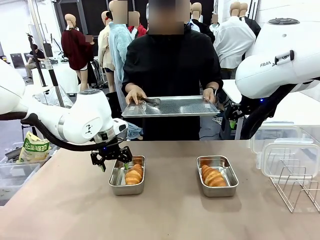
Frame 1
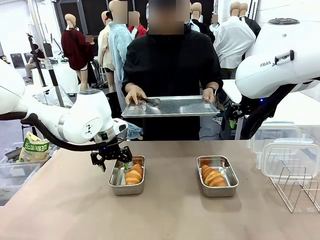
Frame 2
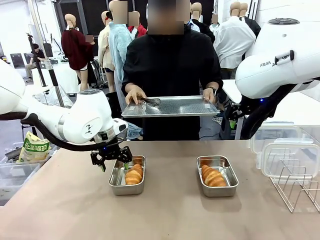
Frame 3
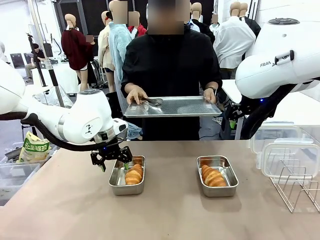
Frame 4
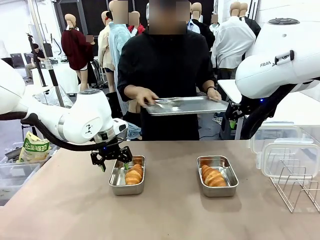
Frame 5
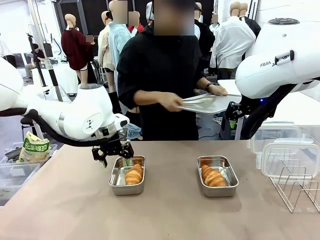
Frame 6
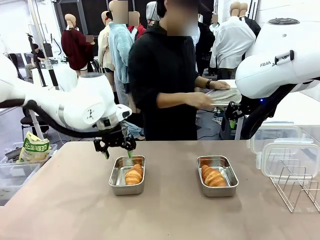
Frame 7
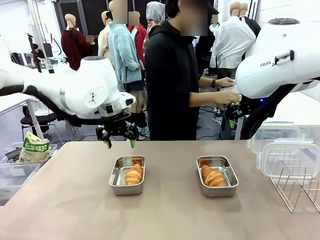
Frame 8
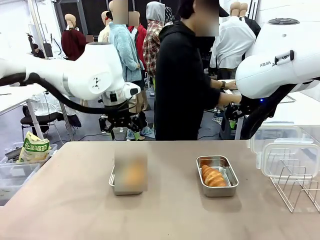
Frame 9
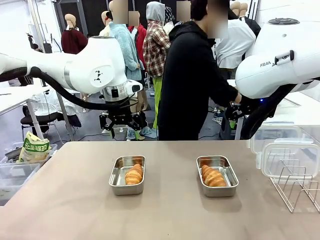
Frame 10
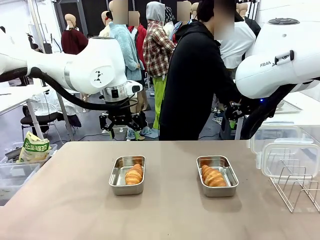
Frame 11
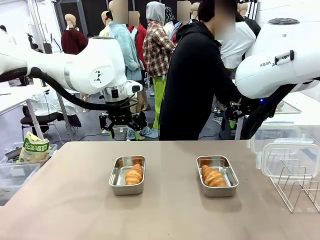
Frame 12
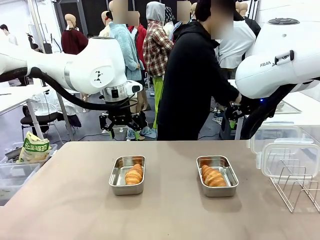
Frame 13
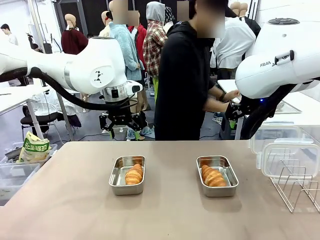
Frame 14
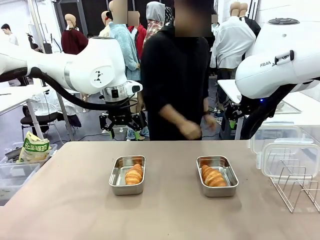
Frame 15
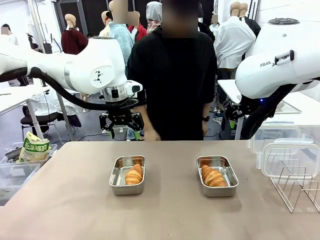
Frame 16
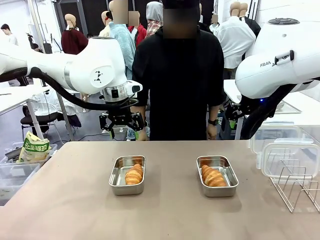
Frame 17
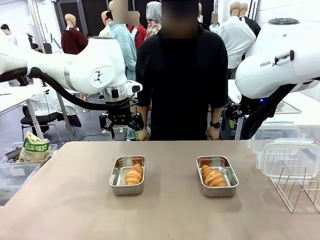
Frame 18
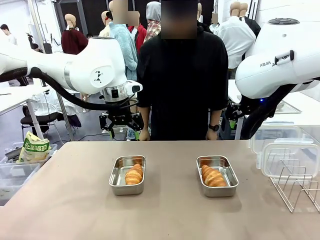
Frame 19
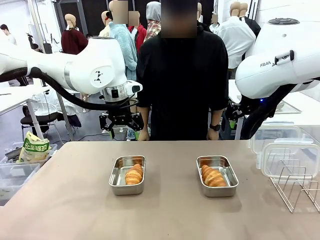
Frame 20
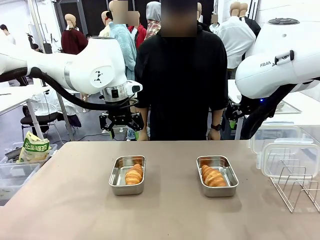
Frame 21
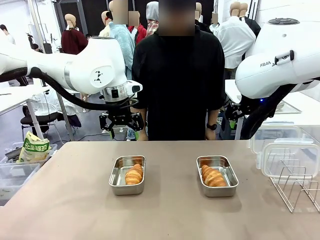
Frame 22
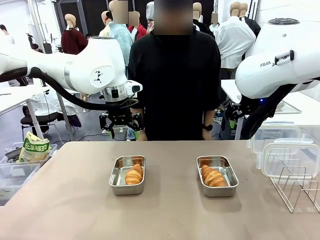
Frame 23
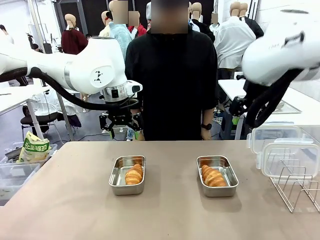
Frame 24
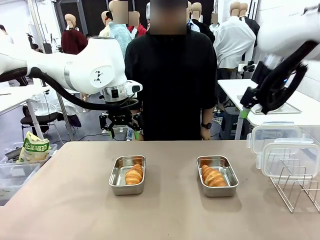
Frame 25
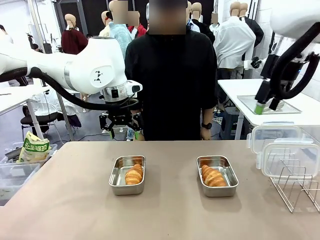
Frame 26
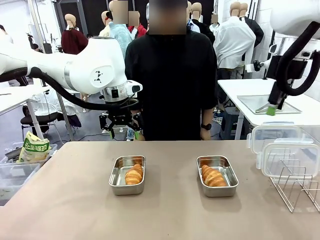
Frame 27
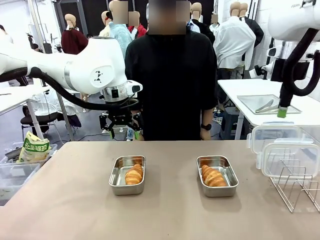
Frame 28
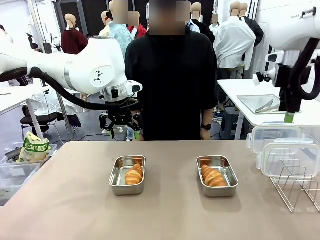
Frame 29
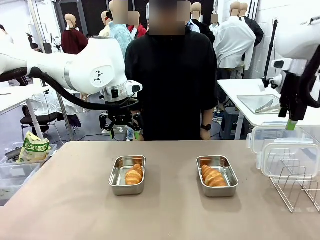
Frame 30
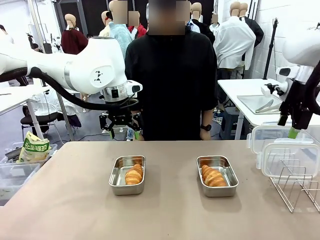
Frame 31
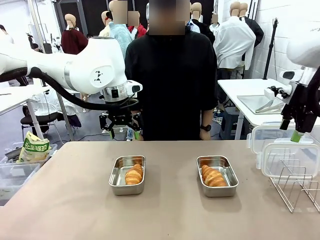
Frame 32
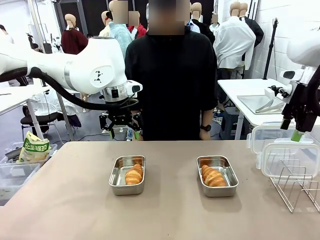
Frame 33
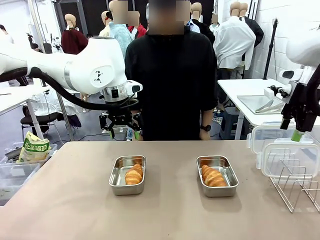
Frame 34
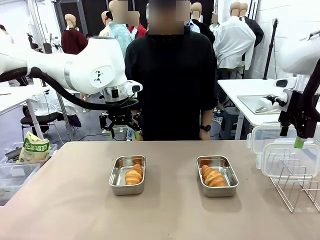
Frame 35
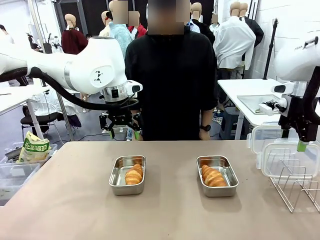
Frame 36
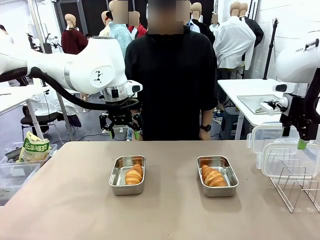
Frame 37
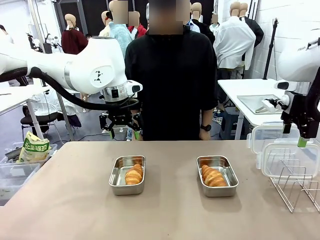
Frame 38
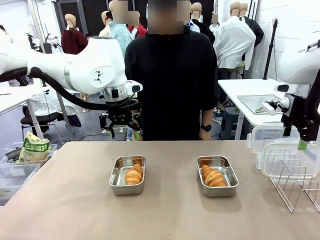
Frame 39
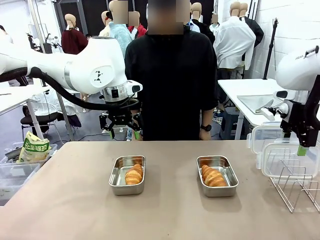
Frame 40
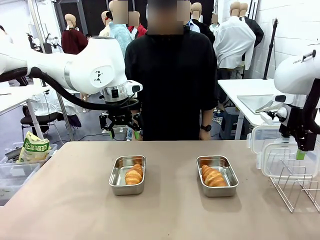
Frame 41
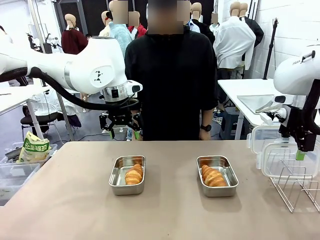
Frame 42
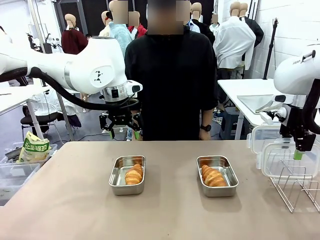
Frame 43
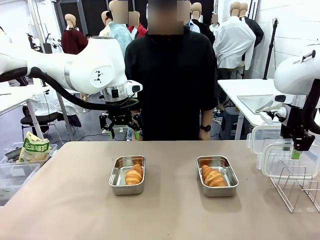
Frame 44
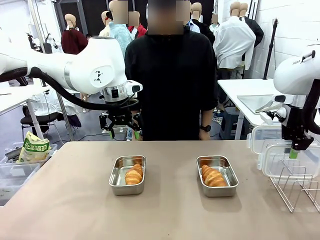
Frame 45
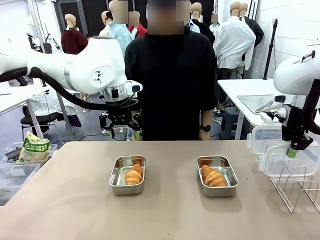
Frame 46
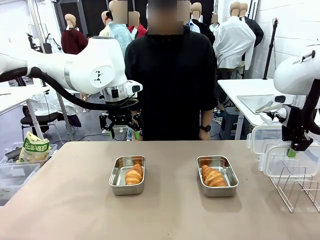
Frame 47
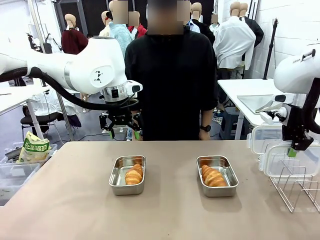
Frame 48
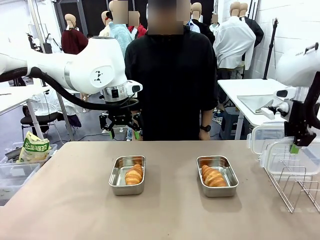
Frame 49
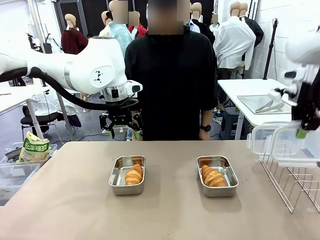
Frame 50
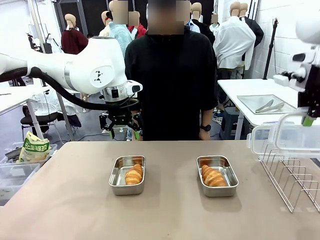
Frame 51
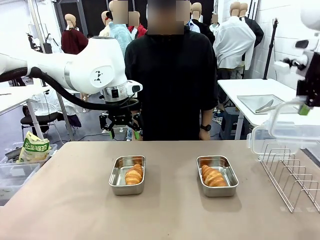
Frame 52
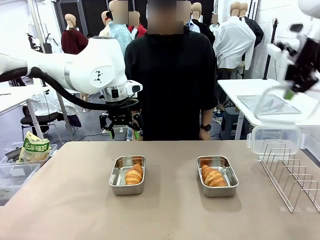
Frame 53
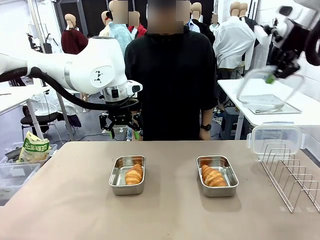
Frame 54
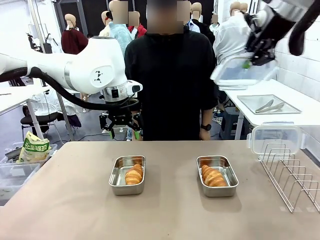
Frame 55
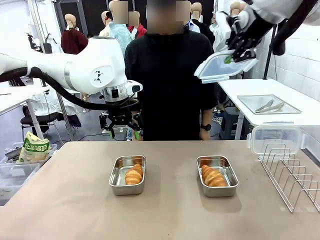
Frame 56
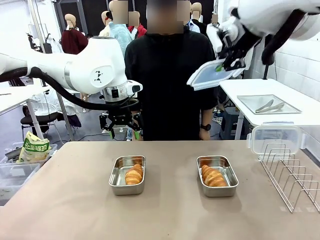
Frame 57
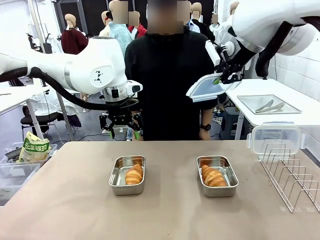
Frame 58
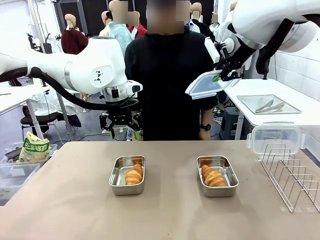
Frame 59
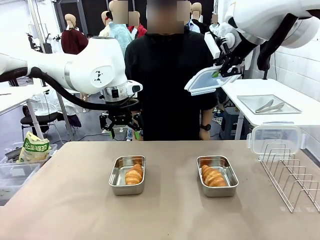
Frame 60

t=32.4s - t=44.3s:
Task: Place the bread in airtight containers.
Robot: Pick up one Airtight Container lid and hand it to the human.
Person: Grip Airtight Container lid that robot is handing.

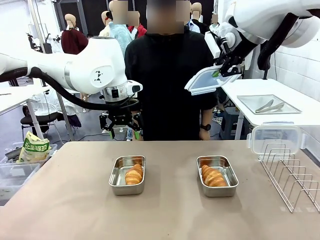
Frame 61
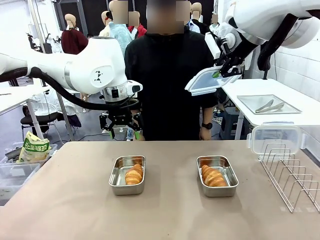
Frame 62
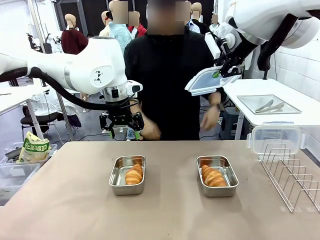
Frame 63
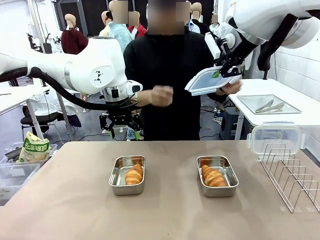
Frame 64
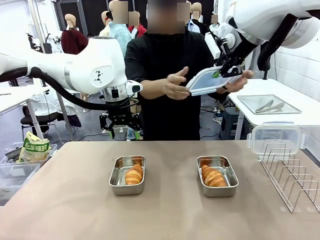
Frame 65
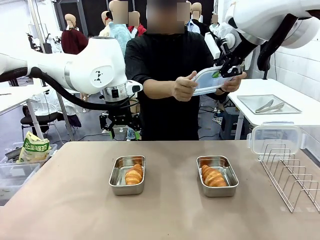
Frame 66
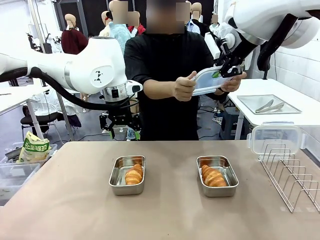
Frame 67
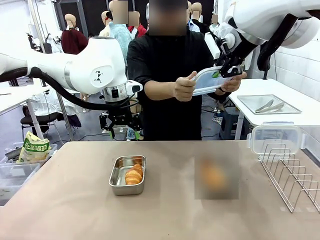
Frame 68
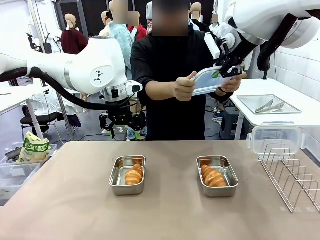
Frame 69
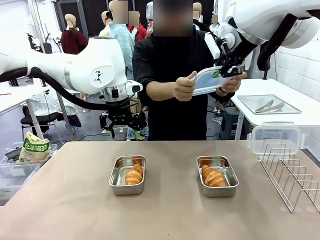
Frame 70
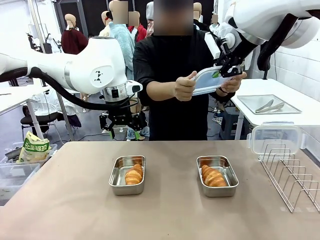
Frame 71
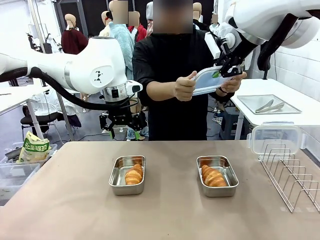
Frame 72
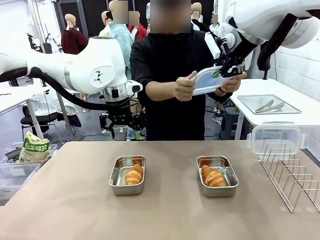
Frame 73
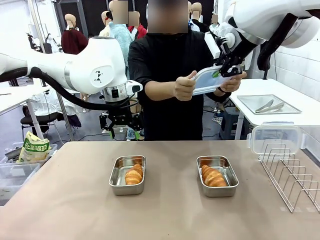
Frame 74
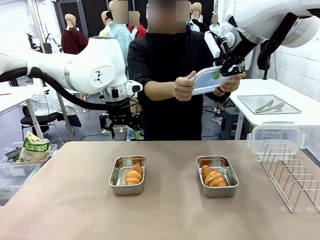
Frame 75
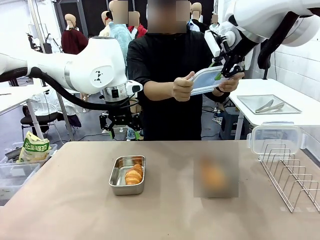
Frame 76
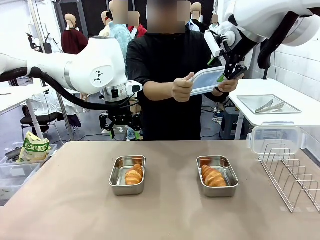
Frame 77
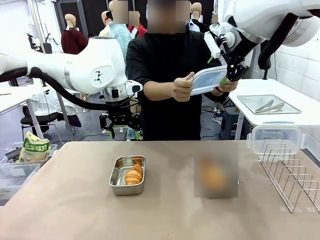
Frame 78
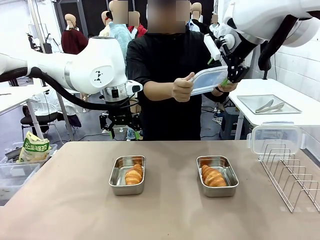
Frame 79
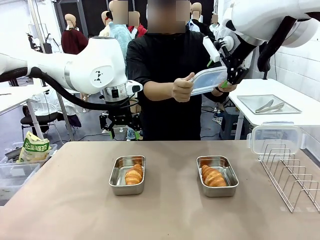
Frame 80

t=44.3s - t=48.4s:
Robot: Release when the human grabs the Airtight Container lid.
